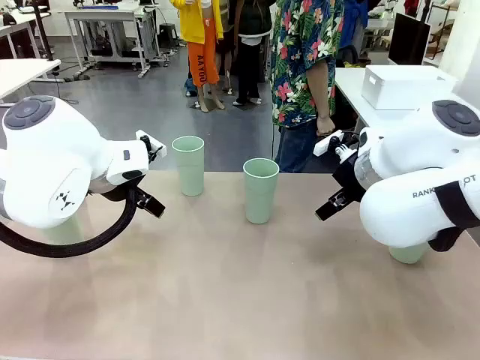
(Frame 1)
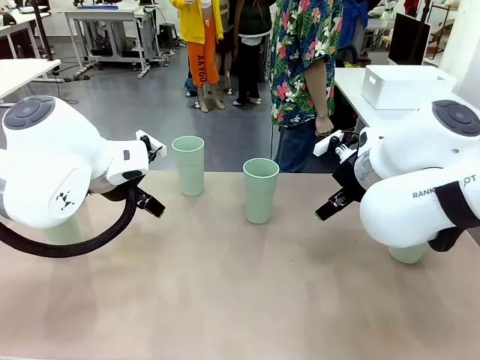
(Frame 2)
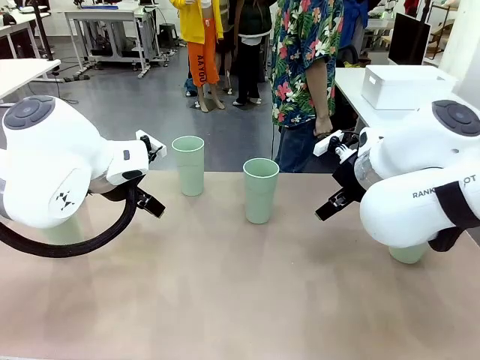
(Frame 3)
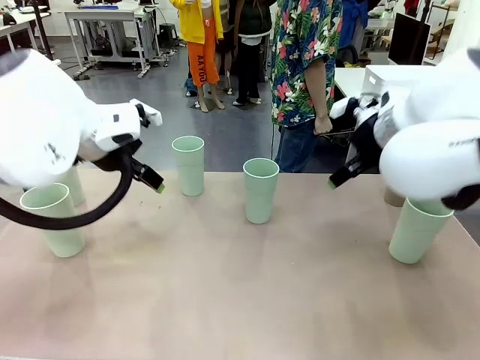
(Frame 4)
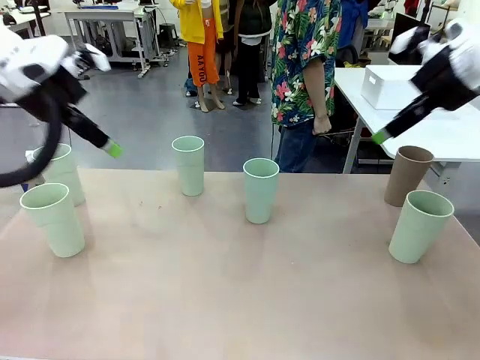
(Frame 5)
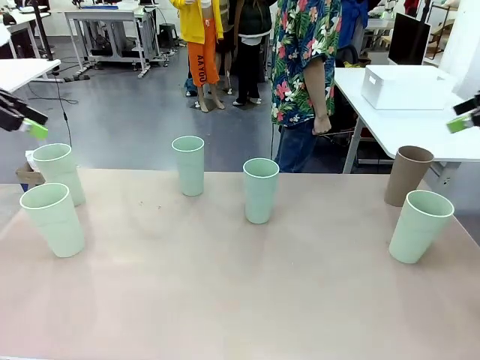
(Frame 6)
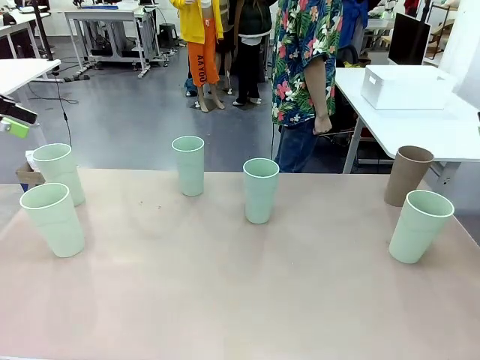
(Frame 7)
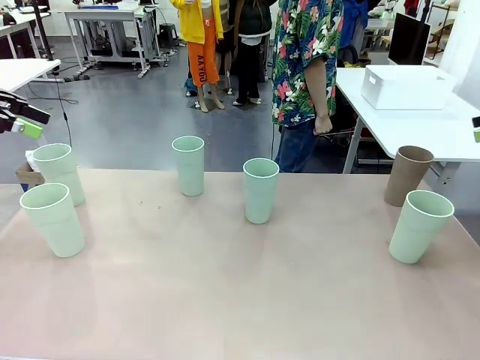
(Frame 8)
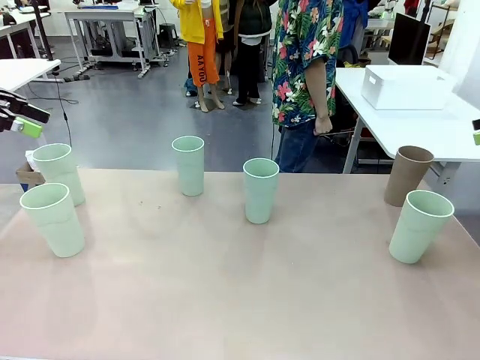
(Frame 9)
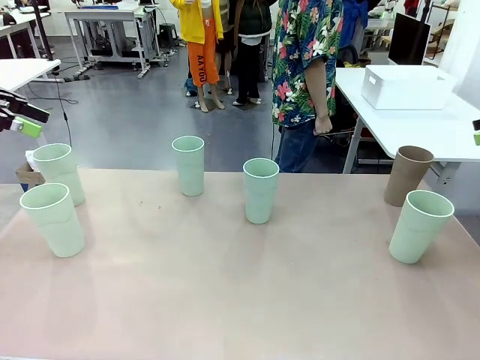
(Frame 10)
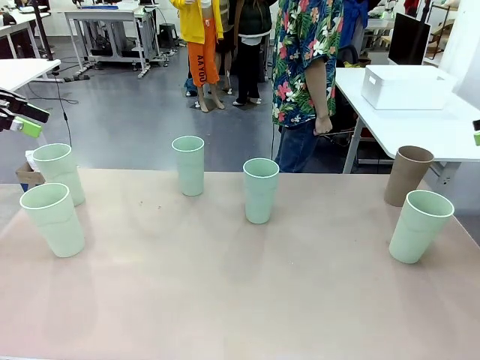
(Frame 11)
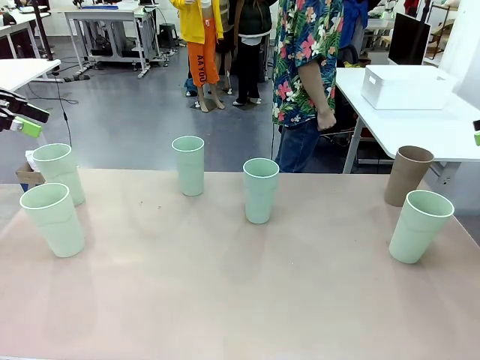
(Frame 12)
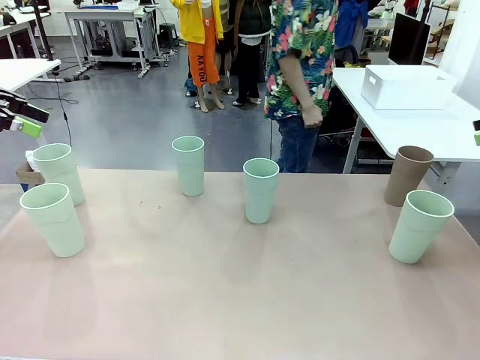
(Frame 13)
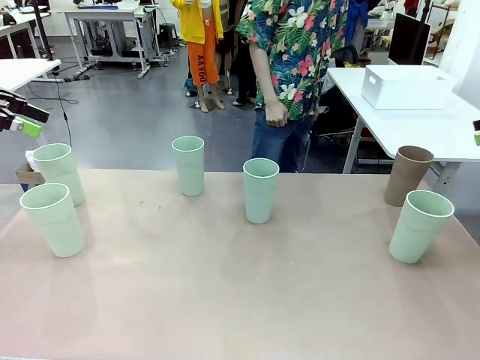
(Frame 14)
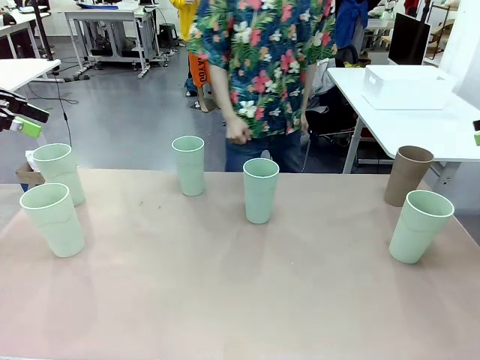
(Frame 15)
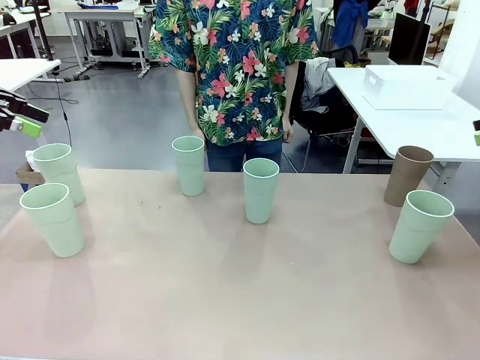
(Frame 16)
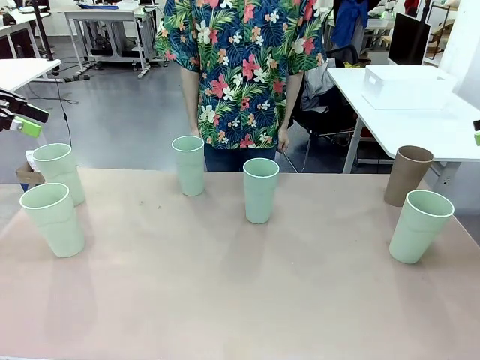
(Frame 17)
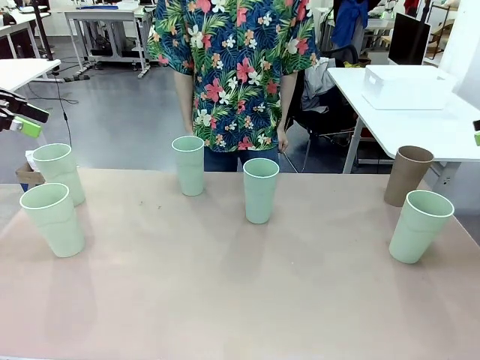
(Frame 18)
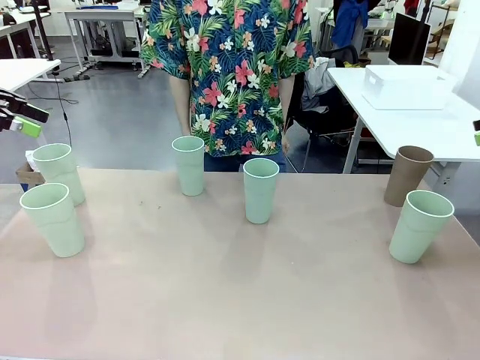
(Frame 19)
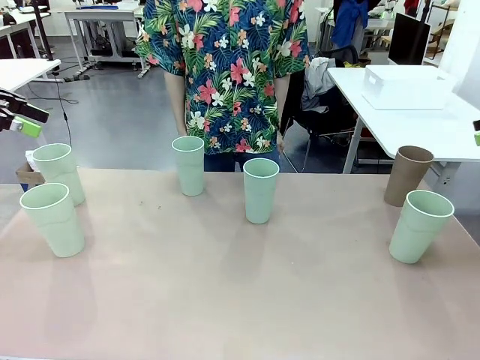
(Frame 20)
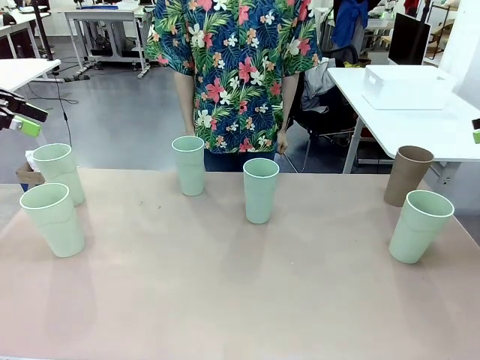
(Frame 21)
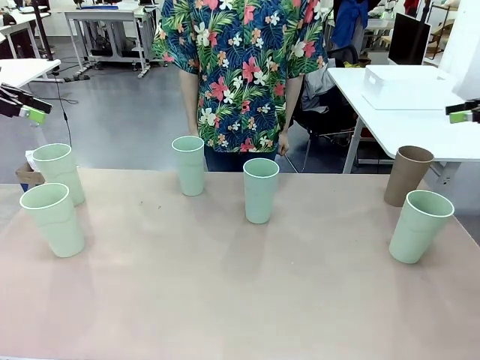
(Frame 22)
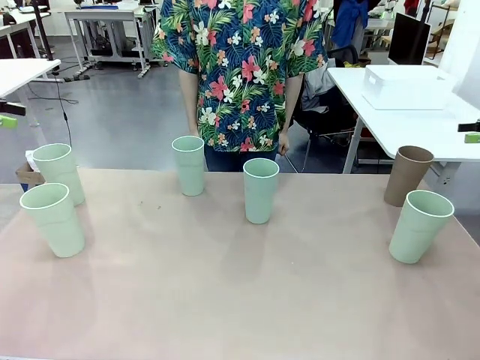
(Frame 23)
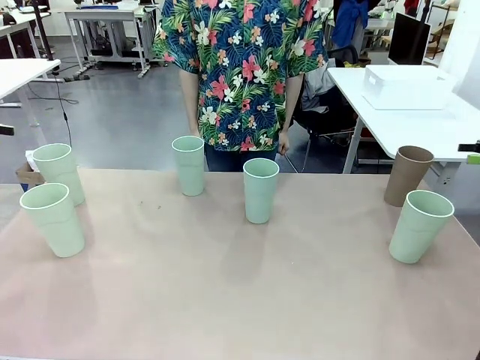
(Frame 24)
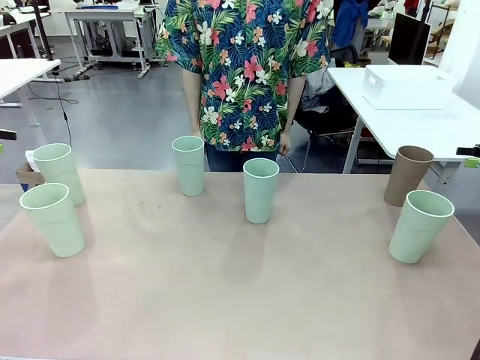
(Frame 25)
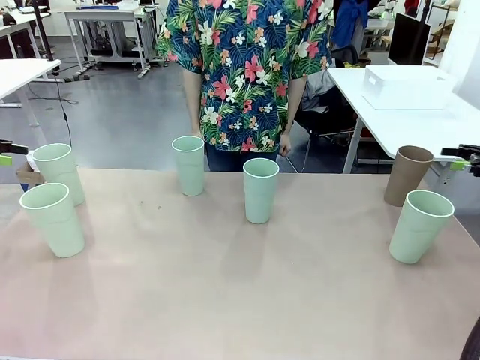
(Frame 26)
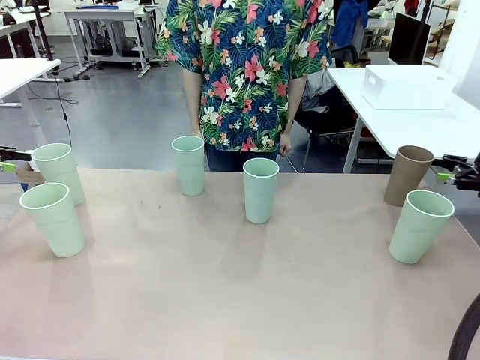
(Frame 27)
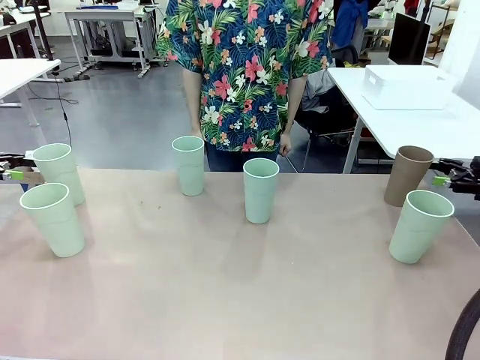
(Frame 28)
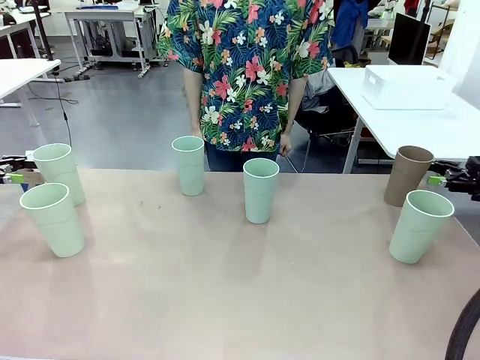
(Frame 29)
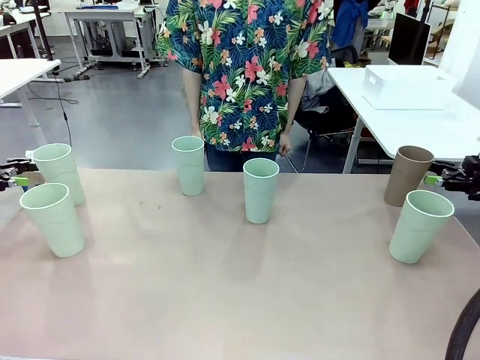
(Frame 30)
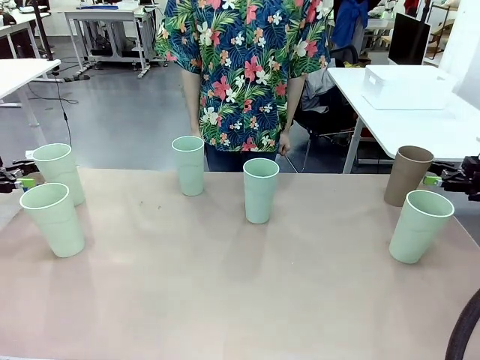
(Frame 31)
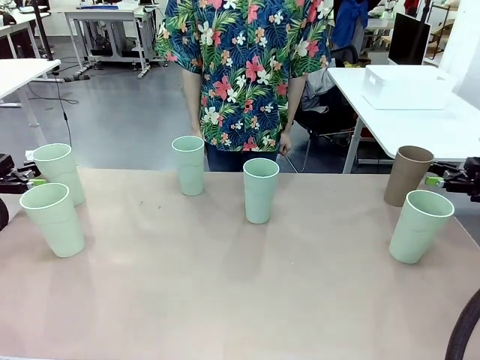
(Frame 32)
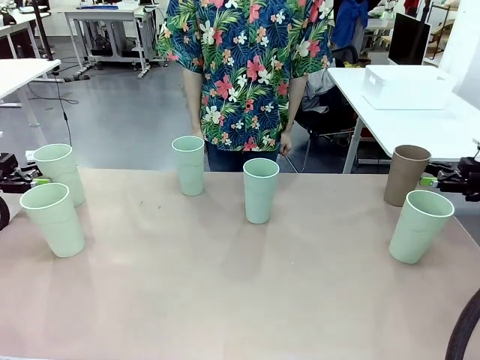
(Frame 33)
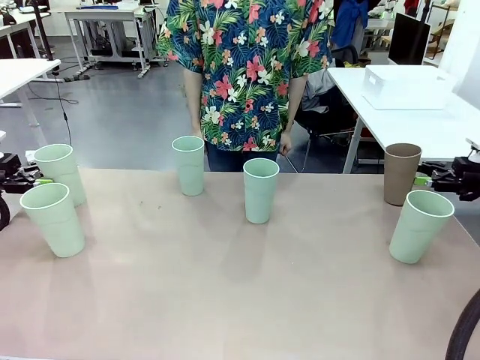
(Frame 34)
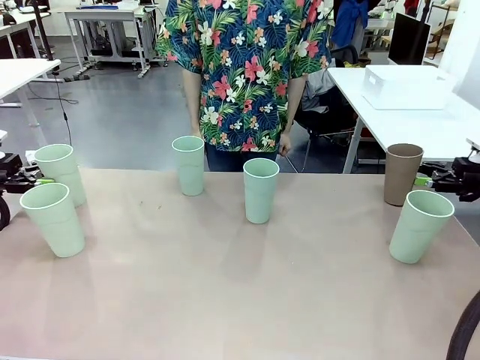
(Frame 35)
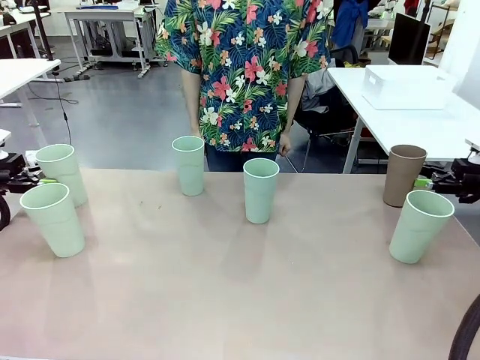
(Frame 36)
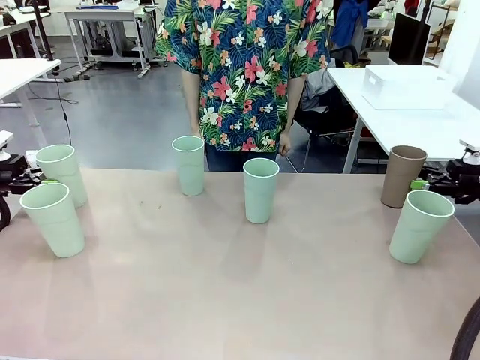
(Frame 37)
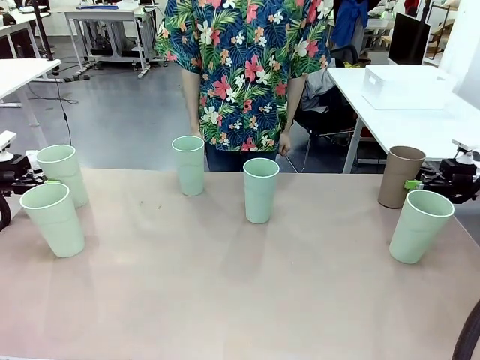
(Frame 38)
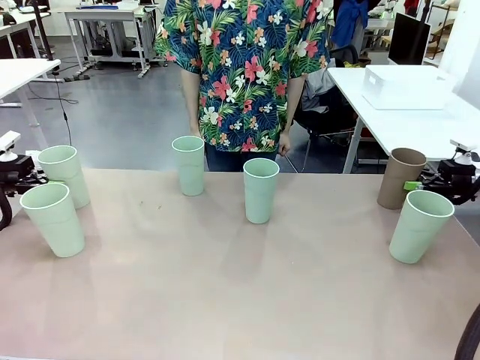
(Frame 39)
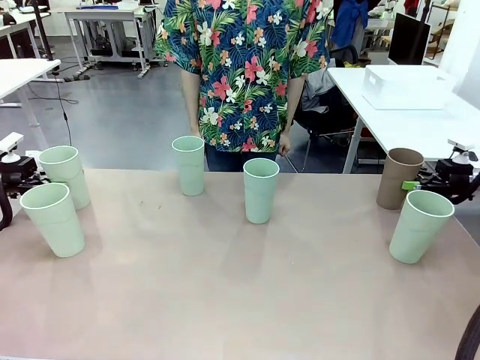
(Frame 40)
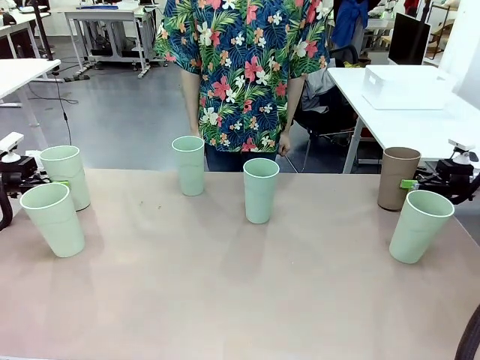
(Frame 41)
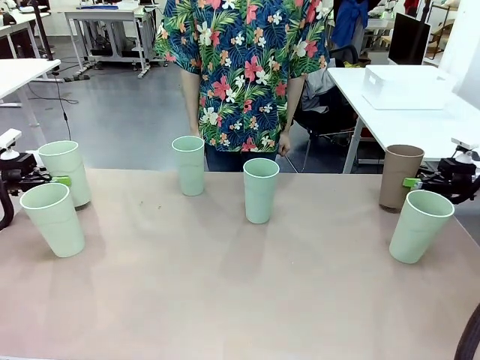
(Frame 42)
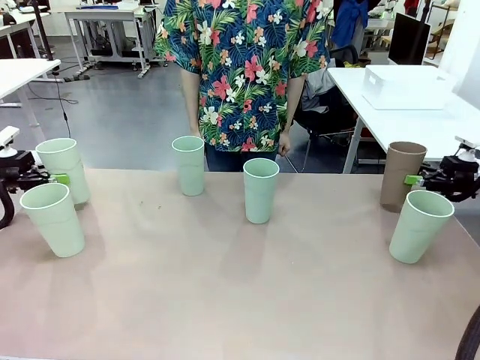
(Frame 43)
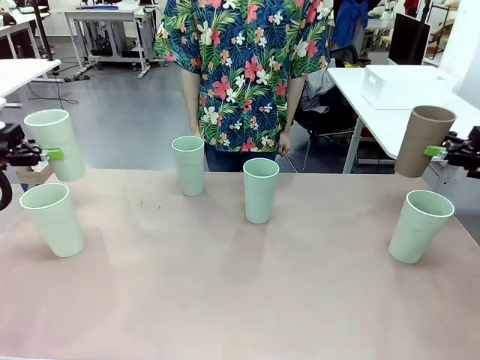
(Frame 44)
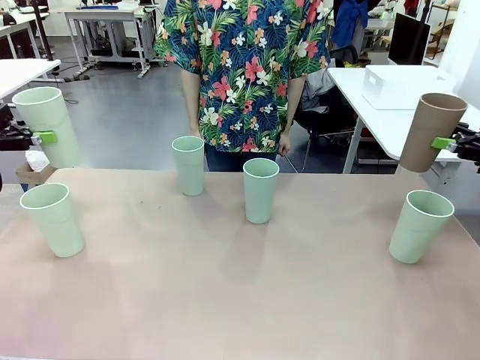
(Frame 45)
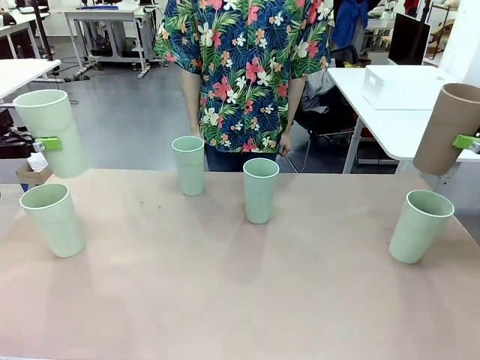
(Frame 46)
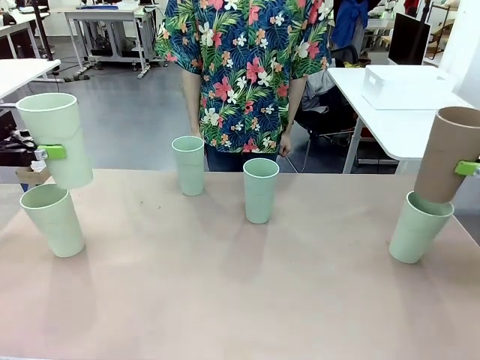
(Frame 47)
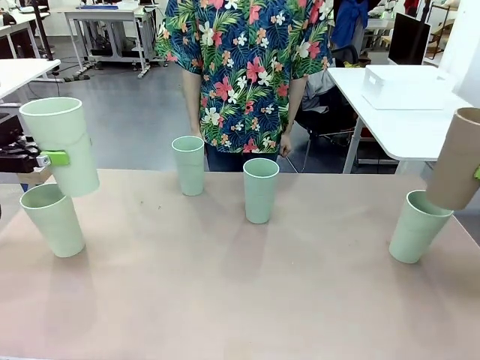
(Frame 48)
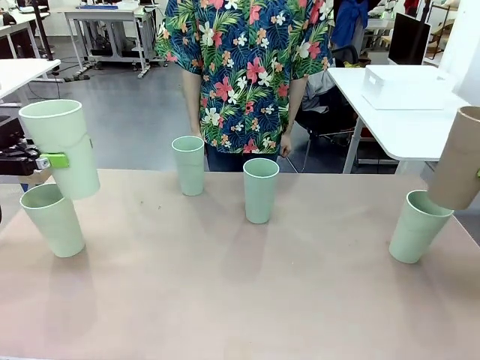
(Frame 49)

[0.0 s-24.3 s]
Task: Stack the cups and store them in the basket.
Robot: Pick up two Reusable plastic cups , one in each hand.
Person: Move from the Human Table to the front of the Robot Table. Stack two of the remaining cups on top of each cup held by the robot.
